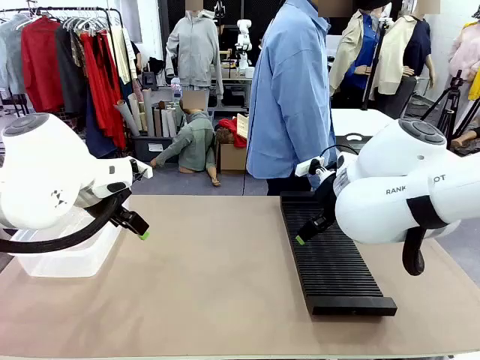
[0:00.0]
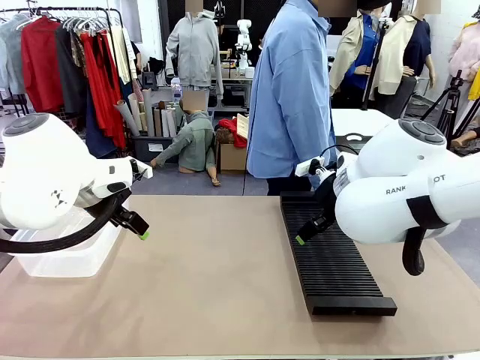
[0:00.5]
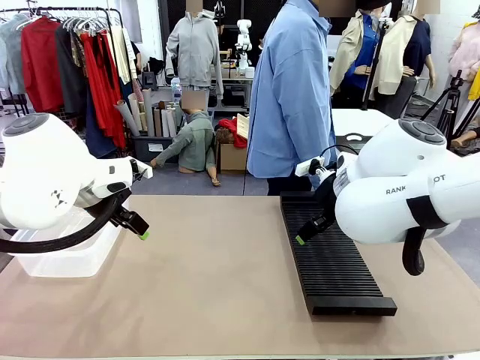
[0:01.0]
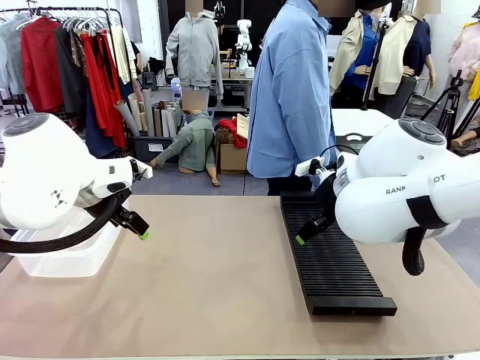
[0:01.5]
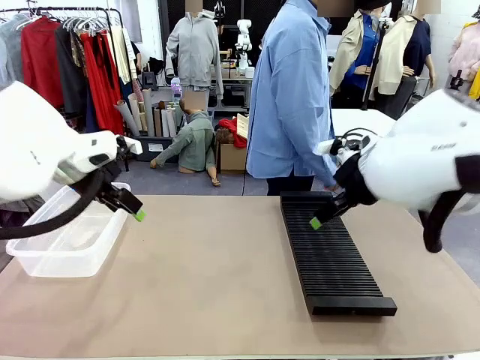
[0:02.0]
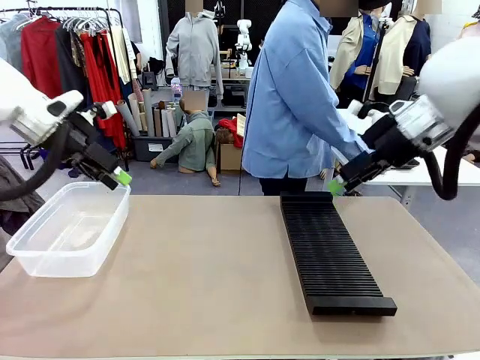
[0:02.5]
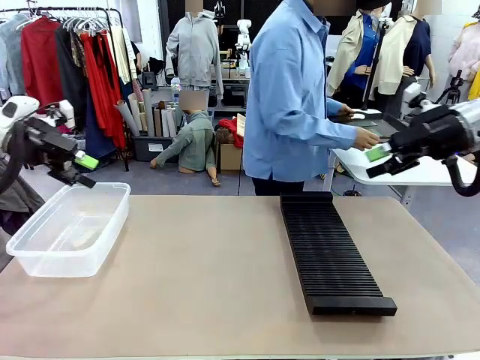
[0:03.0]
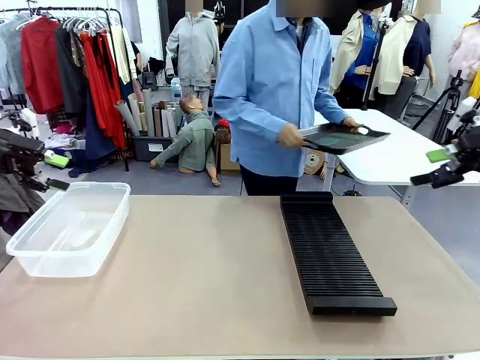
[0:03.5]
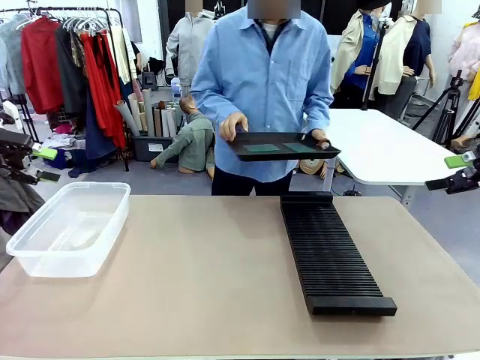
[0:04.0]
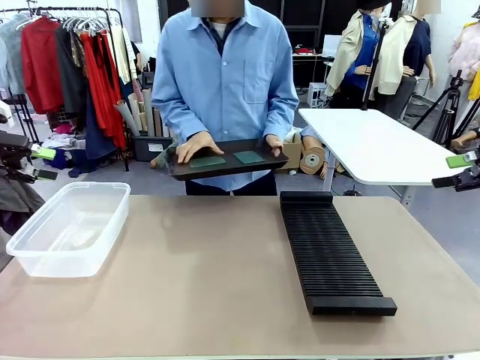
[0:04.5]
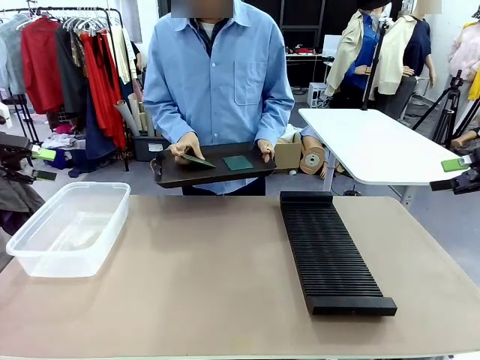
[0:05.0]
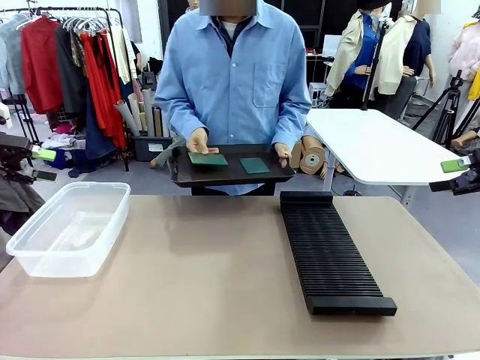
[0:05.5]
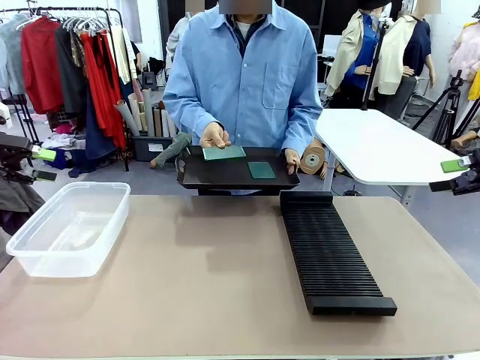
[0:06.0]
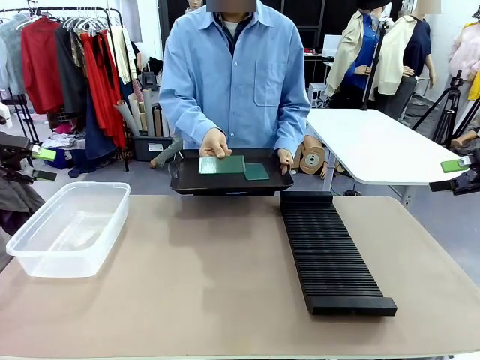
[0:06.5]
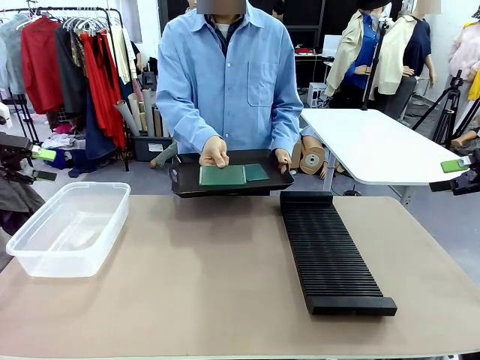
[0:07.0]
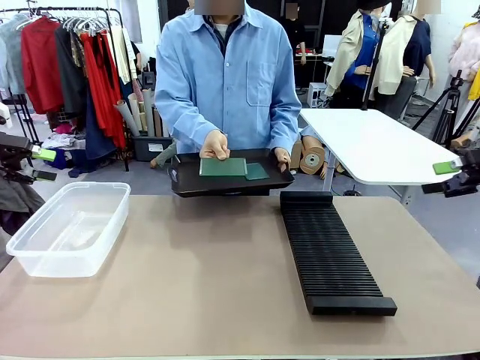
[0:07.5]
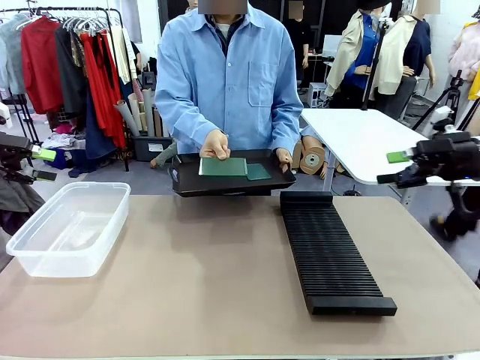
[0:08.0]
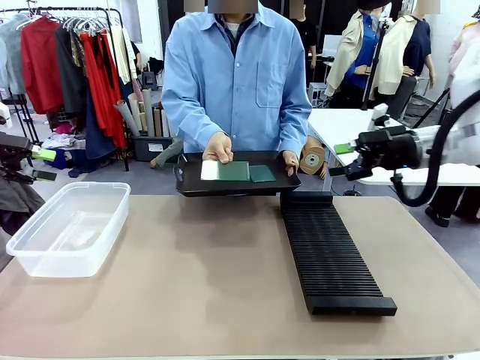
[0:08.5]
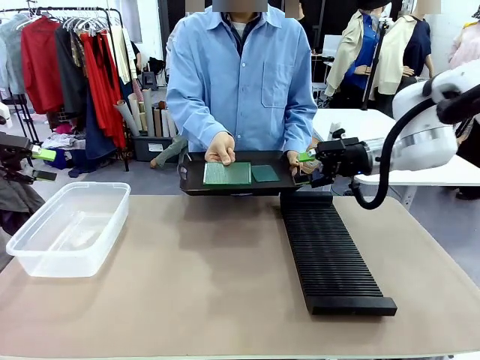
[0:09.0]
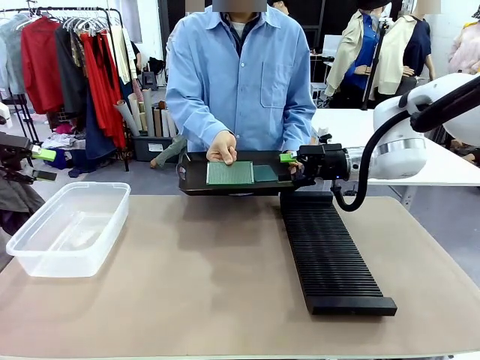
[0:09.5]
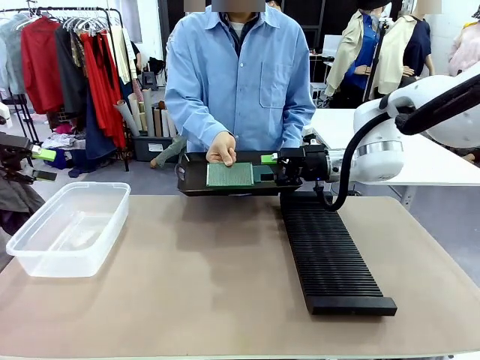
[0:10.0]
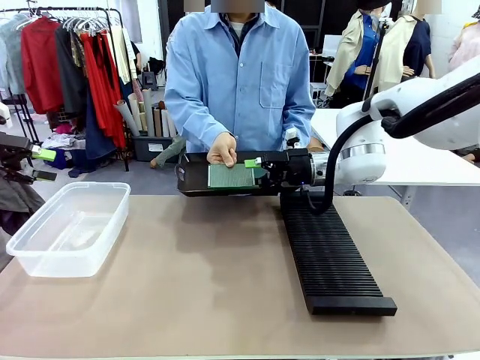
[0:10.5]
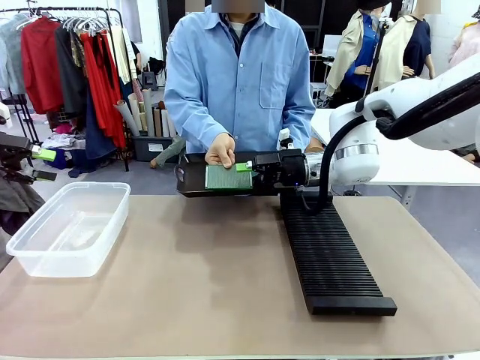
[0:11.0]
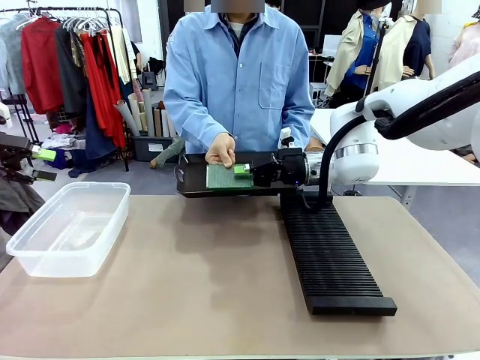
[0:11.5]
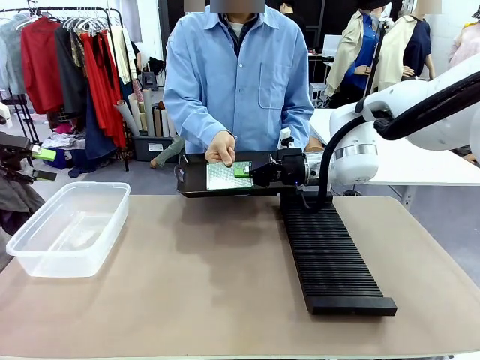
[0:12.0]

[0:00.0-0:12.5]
Task: Sort PCBs into racks and boxes based on the side picked up.
Robot: Pick up the Blank PCB handed by the Human.
Person: Pick one PCB from the tray and present it to the robot. Release the PCB being held.

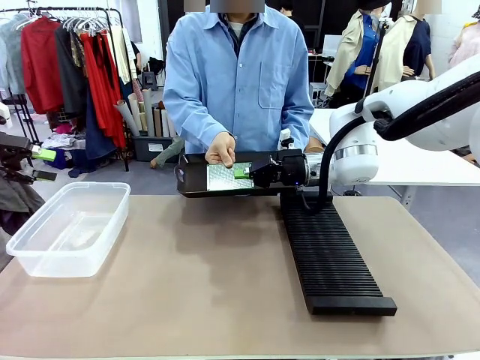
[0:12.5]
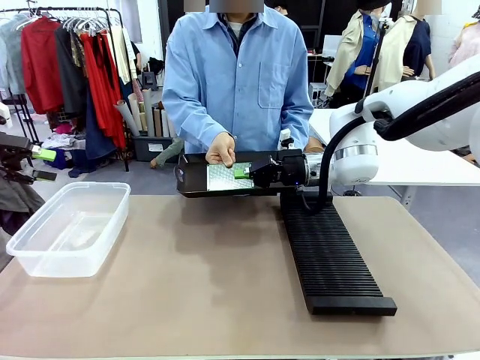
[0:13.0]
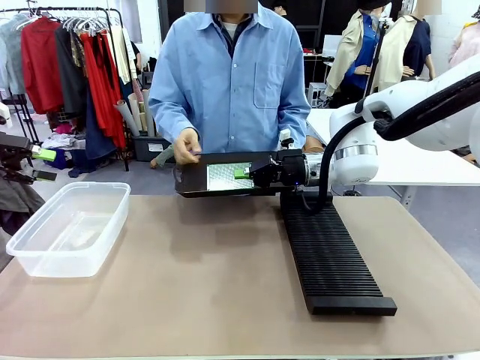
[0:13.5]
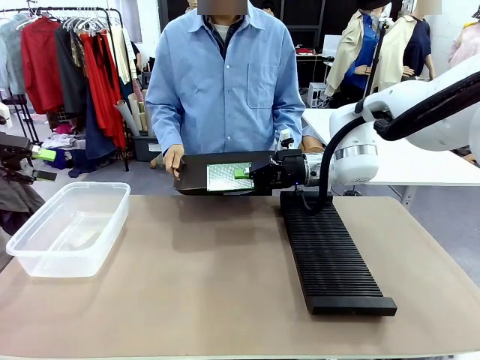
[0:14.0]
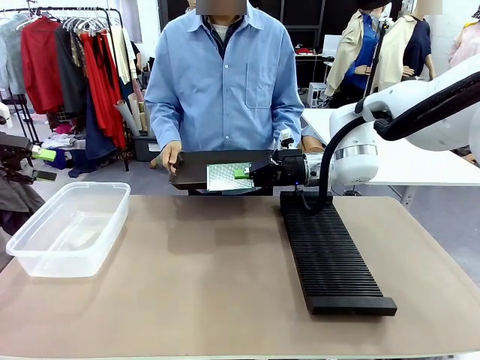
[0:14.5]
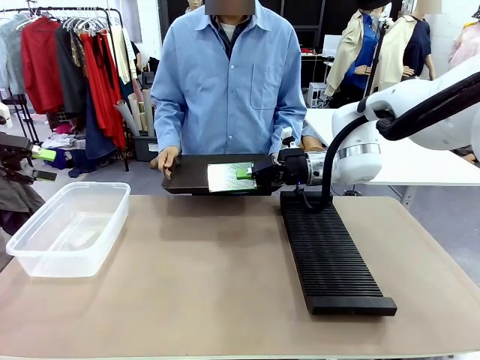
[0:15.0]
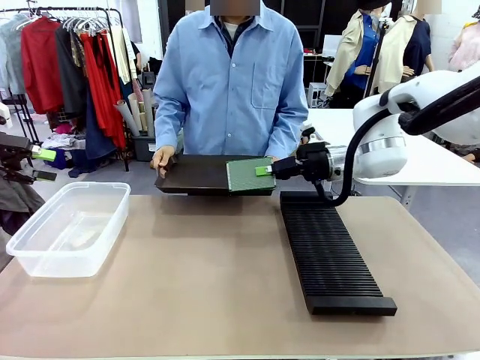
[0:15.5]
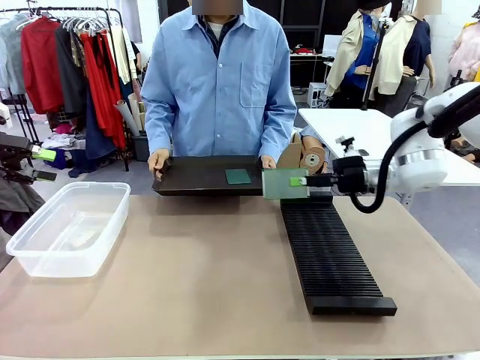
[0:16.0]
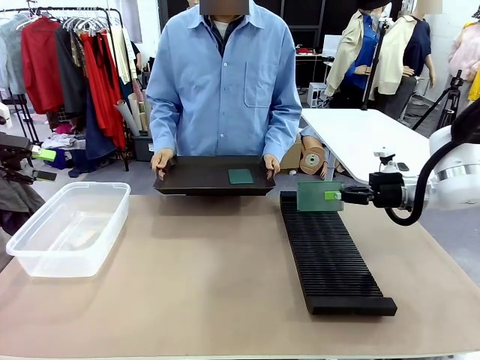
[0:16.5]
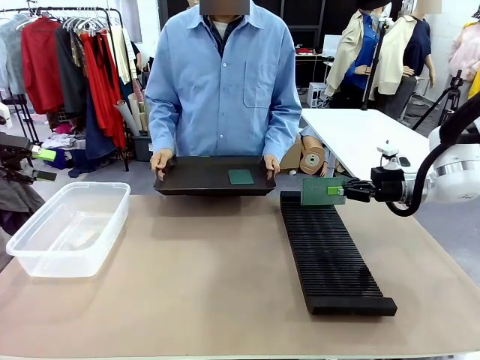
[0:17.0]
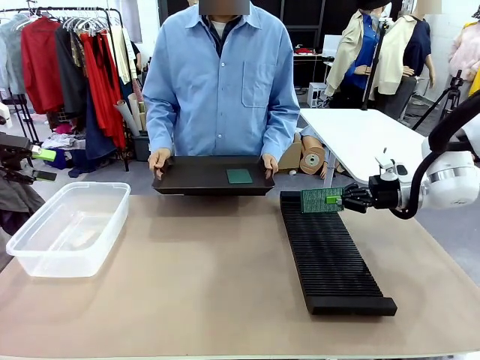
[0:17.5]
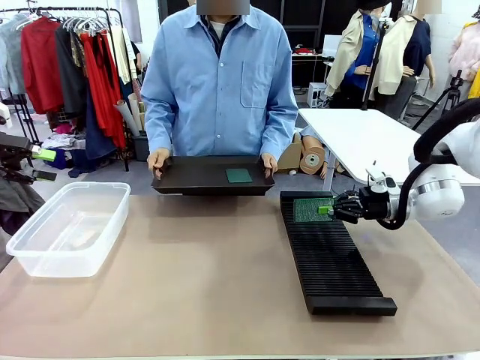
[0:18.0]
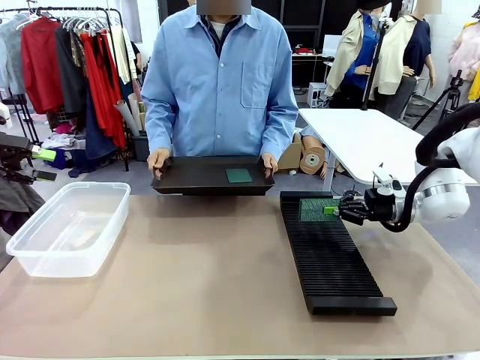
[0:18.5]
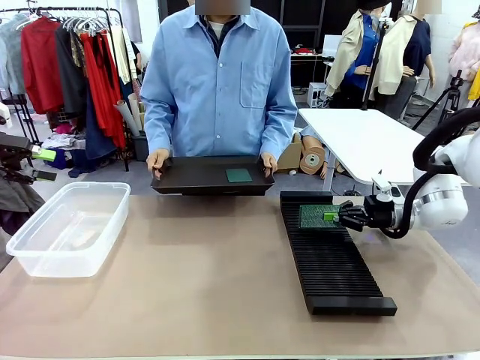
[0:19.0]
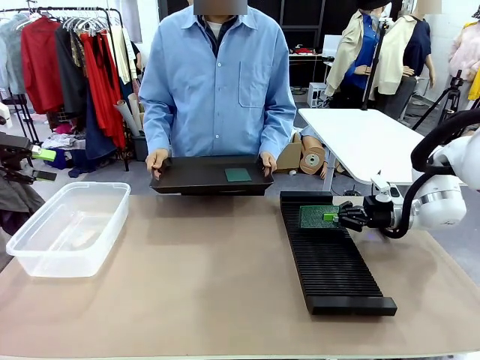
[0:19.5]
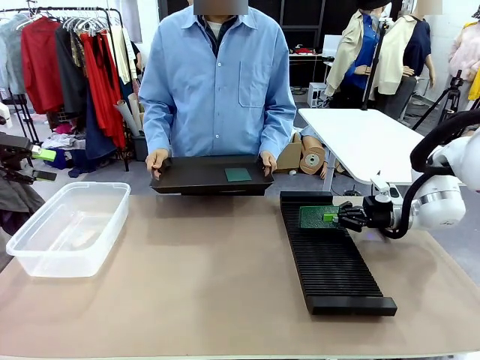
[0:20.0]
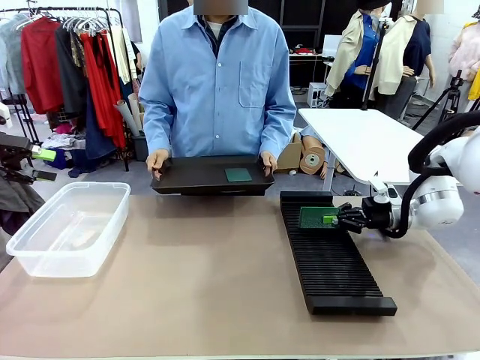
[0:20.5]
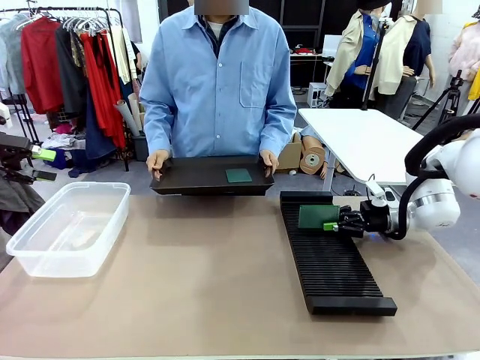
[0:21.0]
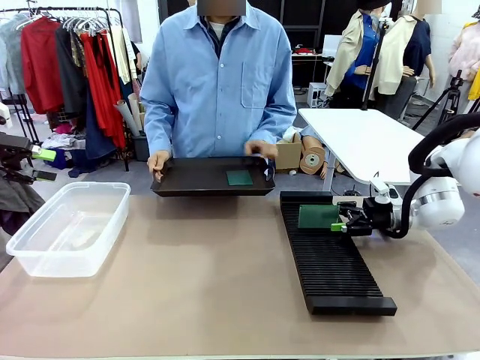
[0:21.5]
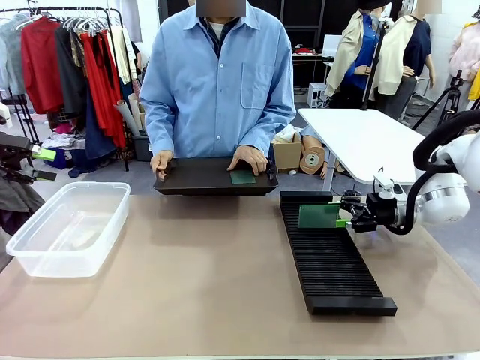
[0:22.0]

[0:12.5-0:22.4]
Robot: If the short side of the Blank PCB is picked up, insert it into the PCB Rack ; if the long side is picked up, place it in the Organizing box.
Person: Pick one PCB from the tray and present it to the robot.

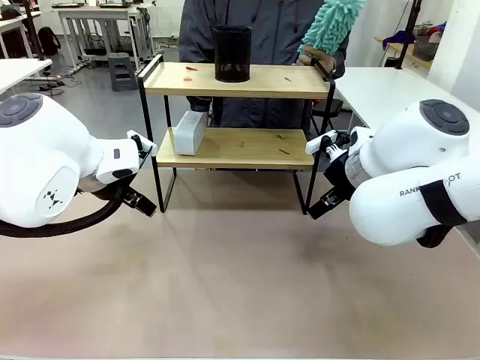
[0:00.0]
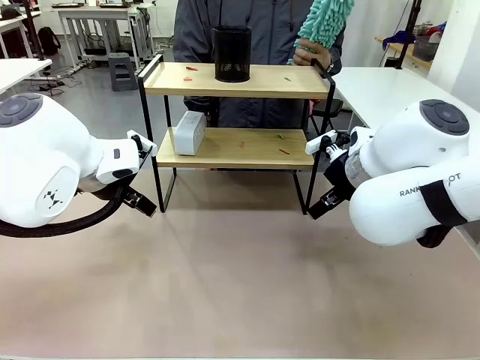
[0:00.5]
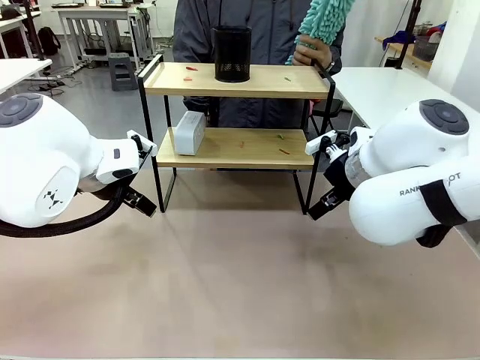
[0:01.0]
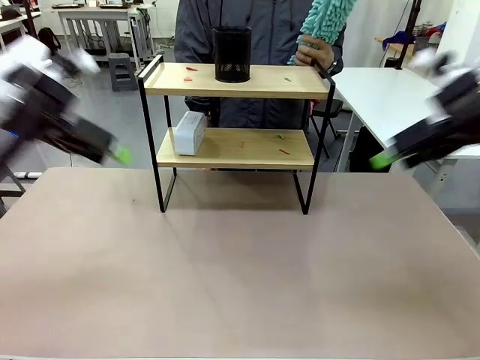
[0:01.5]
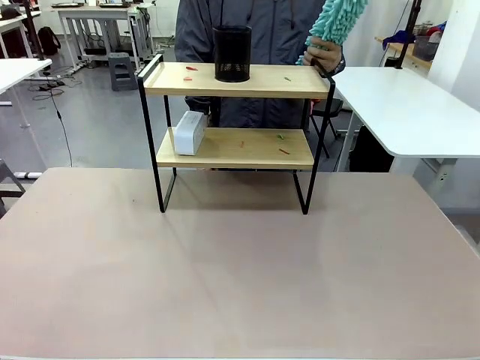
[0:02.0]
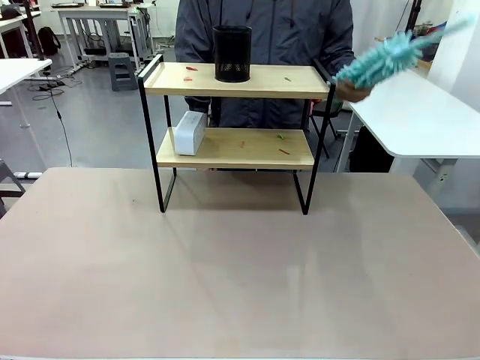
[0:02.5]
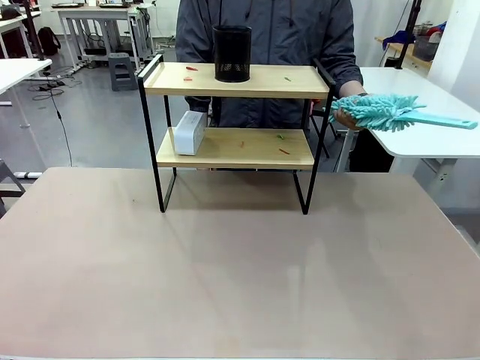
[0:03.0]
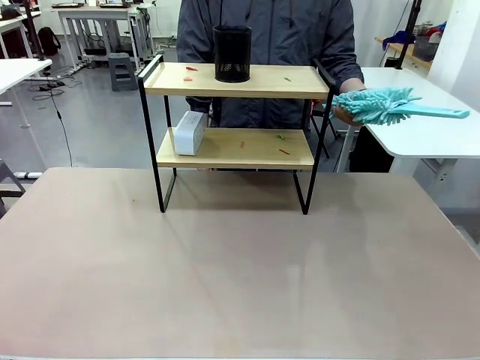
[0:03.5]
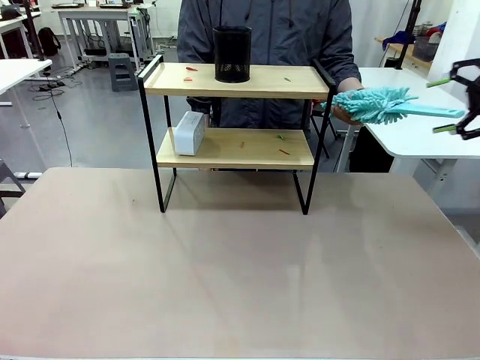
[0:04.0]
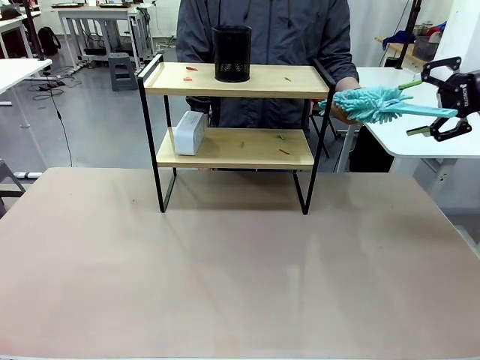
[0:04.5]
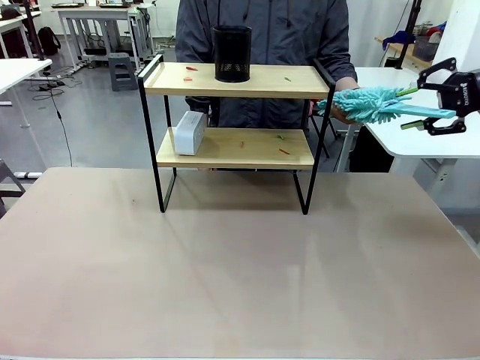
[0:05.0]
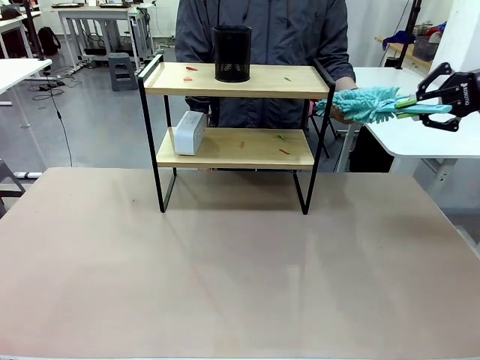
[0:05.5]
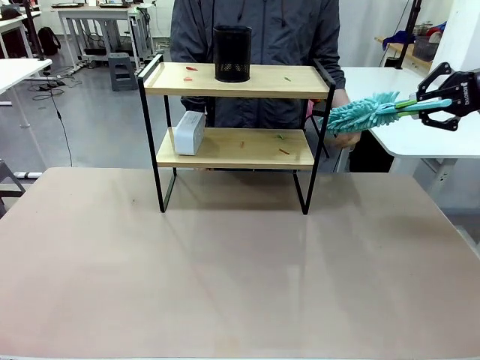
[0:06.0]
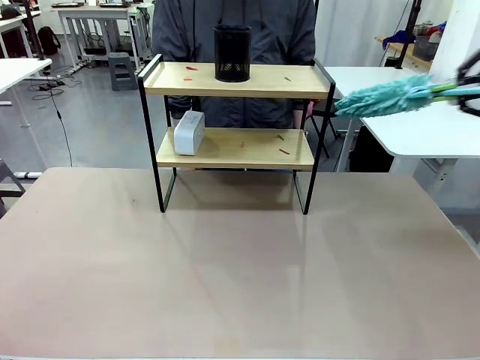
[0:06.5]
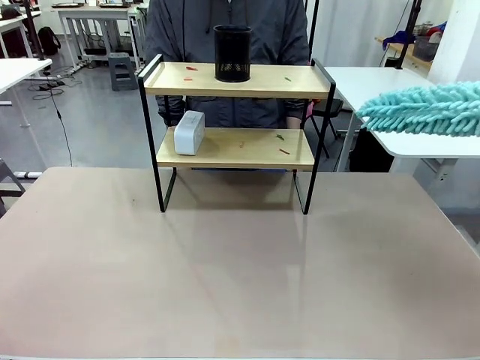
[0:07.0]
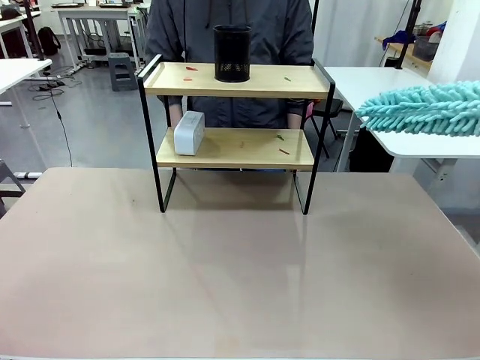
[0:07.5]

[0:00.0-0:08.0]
Task: Clean the shelf.
Robot: Pick up the Duster from the human.
Person: Hand the Duster to the robot.
